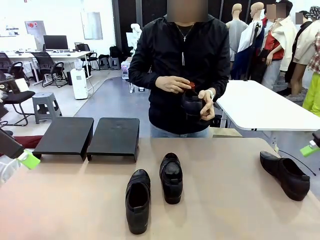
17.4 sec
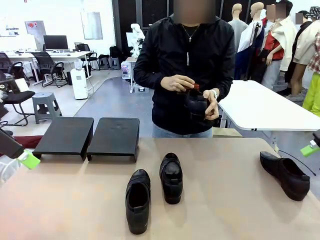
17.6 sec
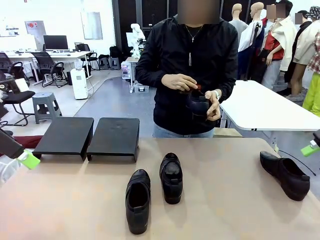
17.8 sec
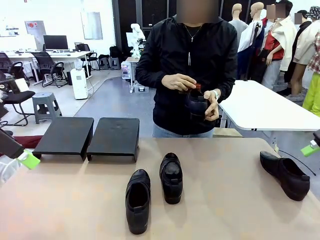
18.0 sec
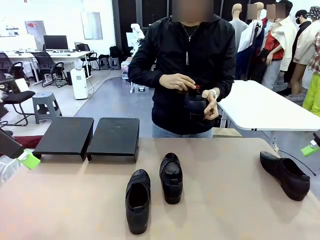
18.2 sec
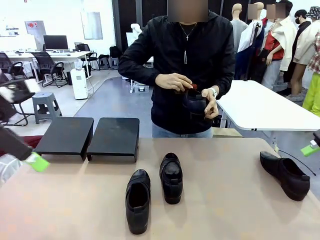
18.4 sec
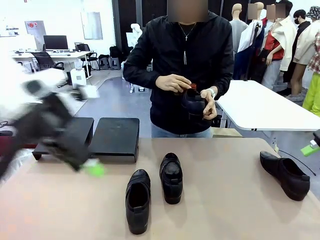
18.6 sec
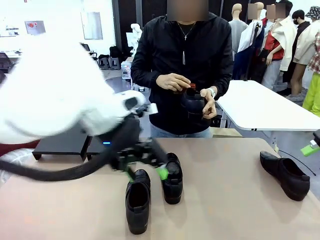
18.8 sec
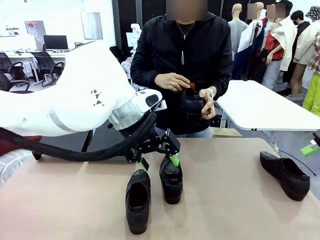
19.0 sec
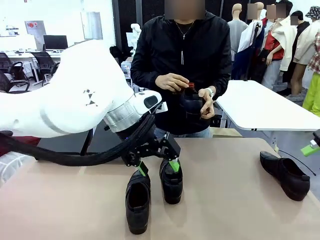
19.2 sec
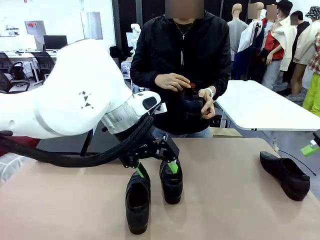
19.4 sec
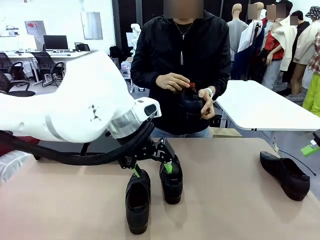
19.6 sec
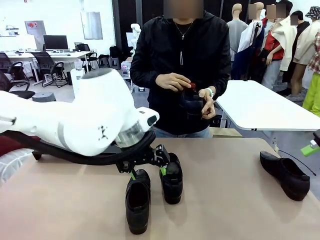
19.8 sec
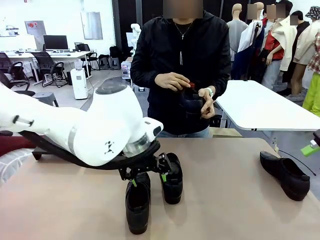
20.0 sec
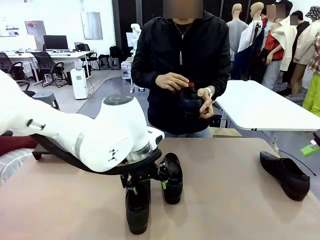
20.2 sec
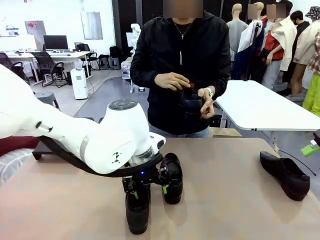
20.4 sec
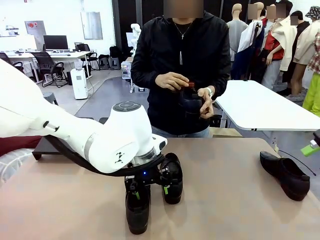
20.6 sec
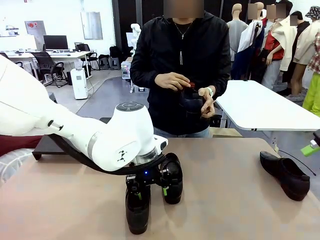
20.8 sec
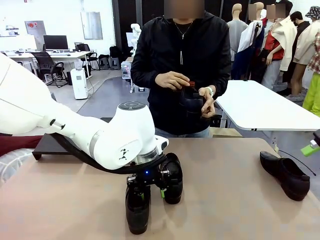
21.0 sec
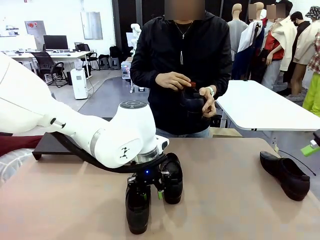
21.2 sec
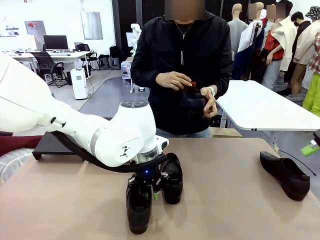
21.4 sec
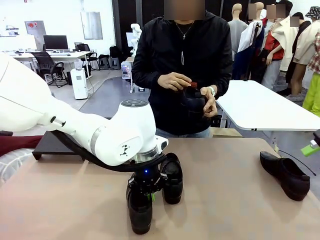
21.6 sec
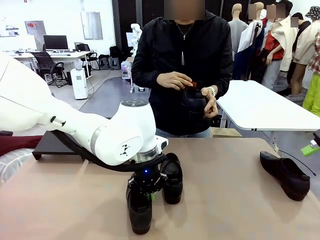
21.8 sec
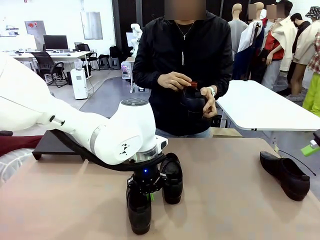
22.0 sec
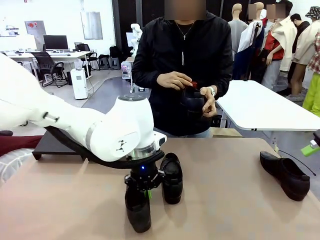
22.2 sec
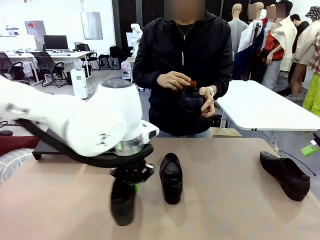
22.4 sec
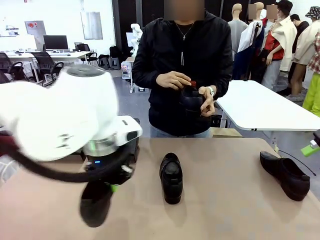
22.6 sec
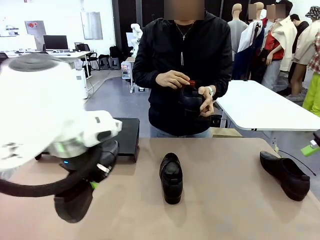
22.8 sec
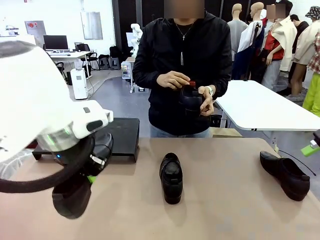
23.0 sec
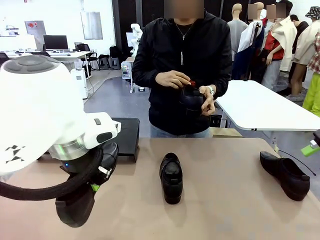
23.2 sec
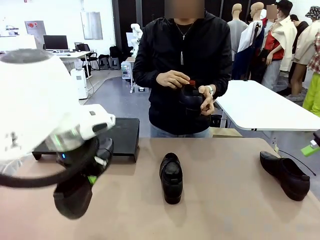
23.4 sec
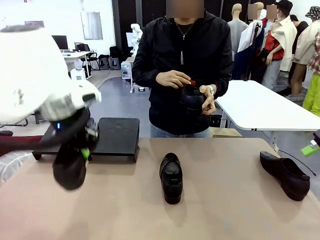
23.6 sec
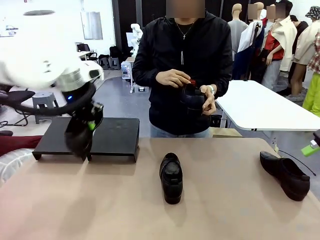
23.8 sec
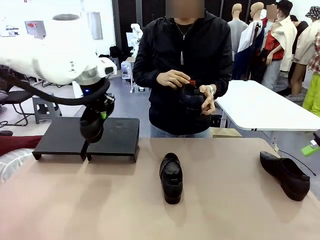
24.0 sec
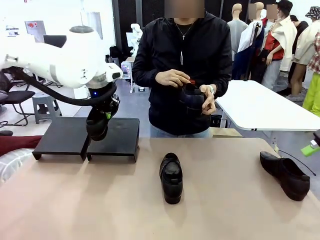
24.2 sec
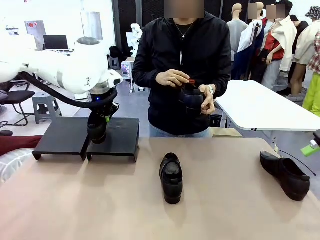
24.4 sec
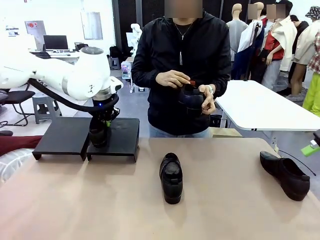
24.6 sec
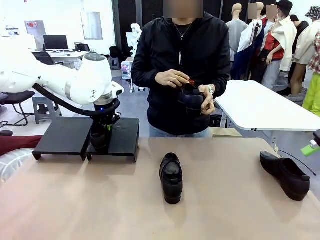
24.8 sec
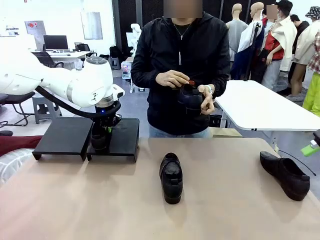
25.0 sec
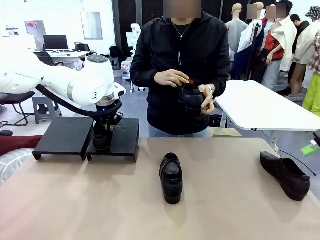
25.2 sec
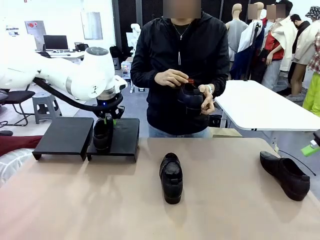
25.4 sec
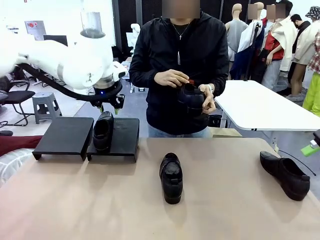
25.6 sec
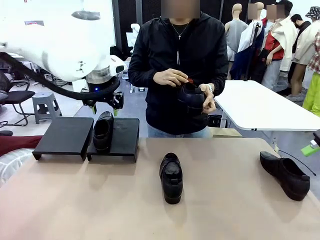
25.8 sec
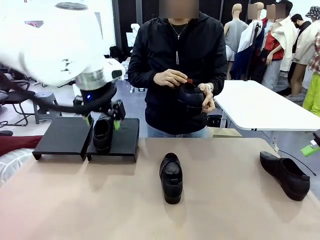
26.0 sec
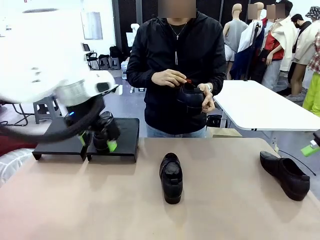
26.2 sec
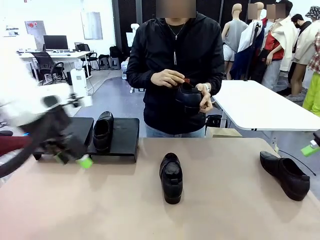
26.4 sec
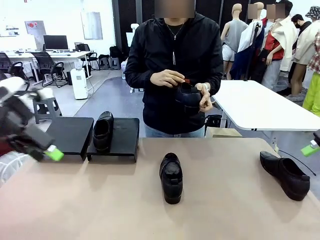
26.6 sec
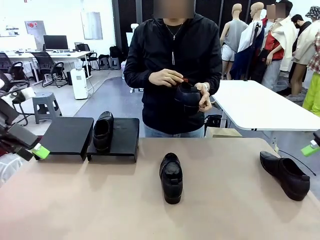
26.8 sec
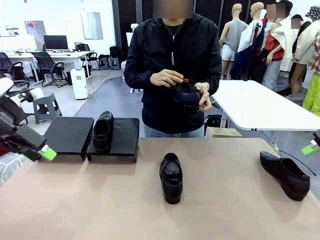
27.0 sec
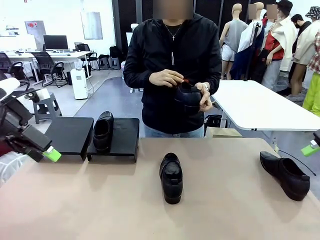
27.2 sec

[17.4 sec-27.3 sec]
Task: Organize the shoes by placing them on the stand.
Robot: Place the Shoe from the middle of the table onto the Shoes Stand.
Person: Clean the Shoe with the Shoe Brush.

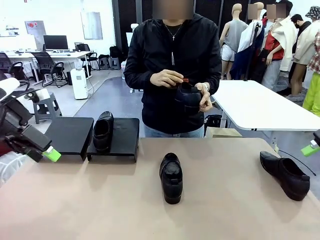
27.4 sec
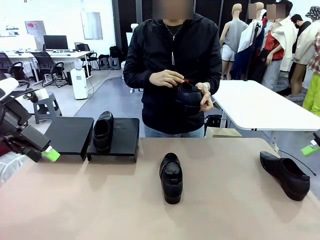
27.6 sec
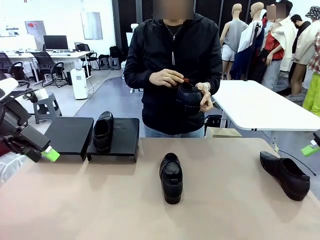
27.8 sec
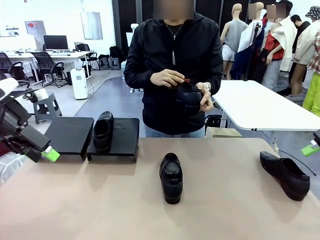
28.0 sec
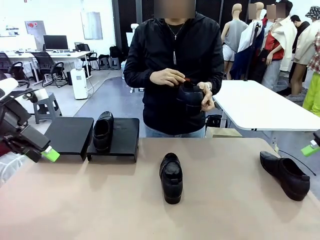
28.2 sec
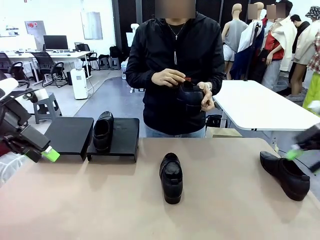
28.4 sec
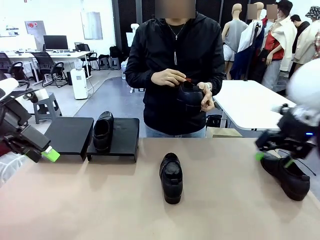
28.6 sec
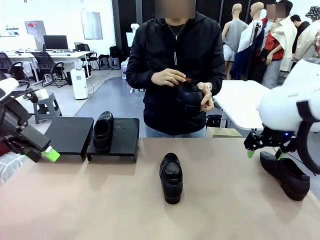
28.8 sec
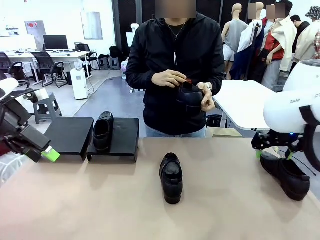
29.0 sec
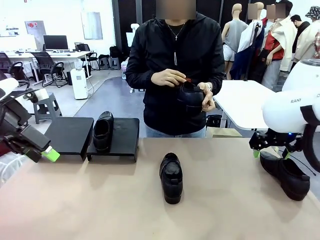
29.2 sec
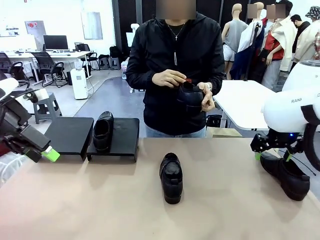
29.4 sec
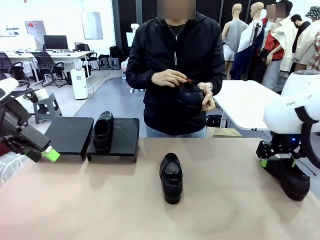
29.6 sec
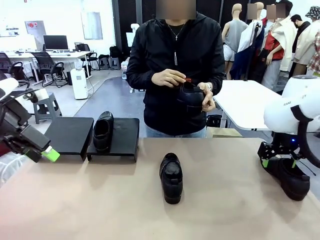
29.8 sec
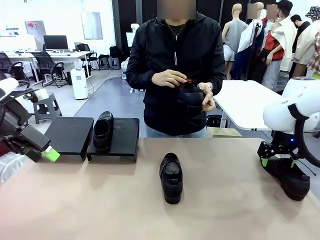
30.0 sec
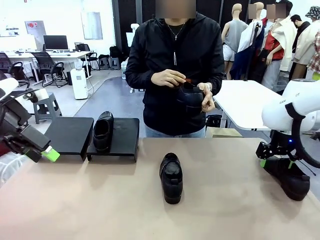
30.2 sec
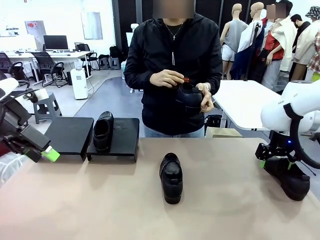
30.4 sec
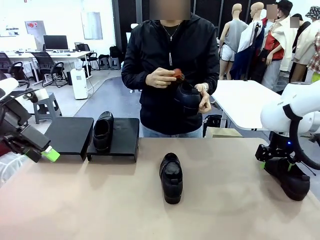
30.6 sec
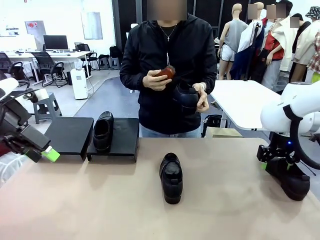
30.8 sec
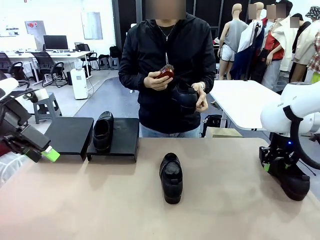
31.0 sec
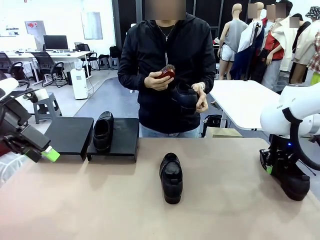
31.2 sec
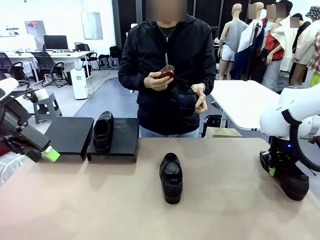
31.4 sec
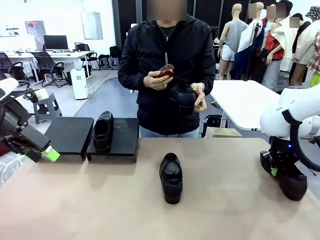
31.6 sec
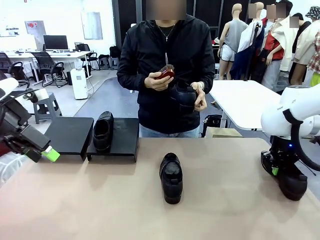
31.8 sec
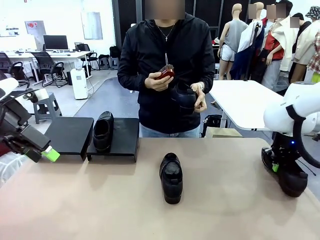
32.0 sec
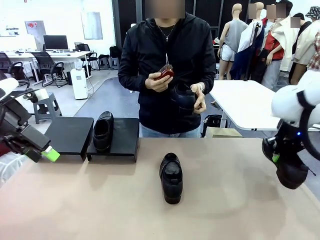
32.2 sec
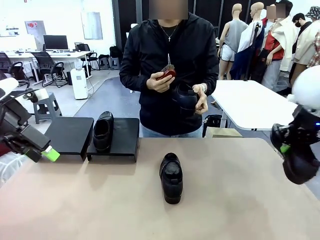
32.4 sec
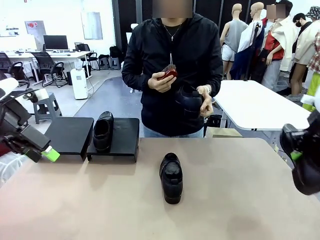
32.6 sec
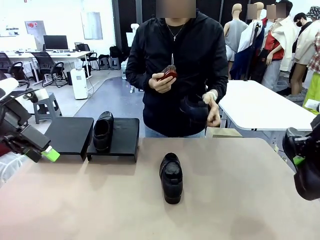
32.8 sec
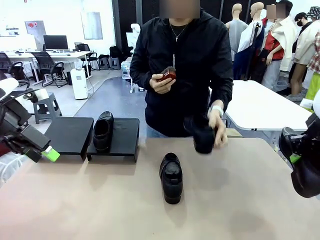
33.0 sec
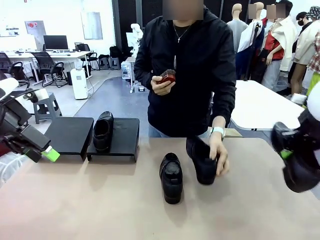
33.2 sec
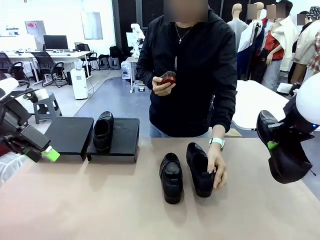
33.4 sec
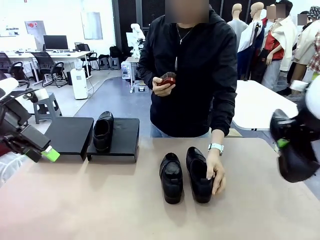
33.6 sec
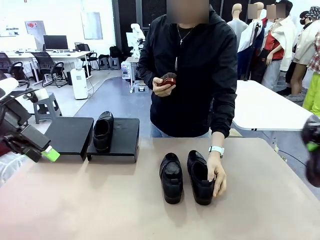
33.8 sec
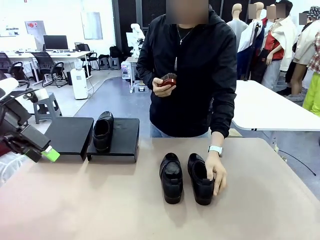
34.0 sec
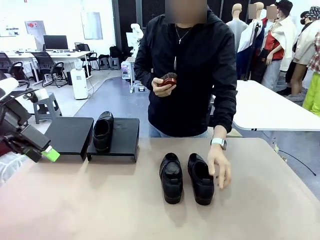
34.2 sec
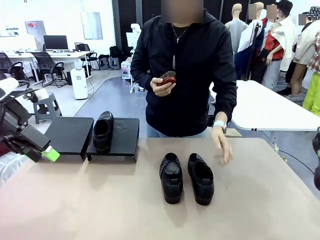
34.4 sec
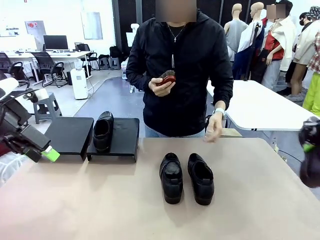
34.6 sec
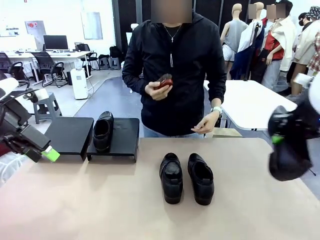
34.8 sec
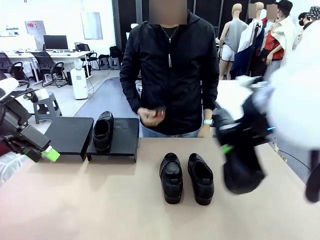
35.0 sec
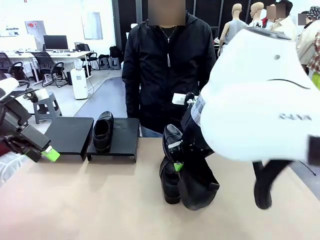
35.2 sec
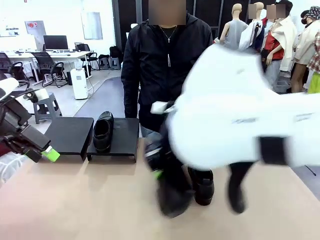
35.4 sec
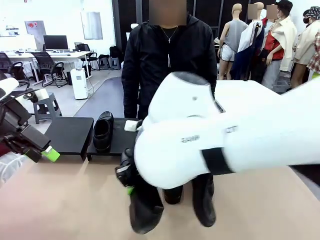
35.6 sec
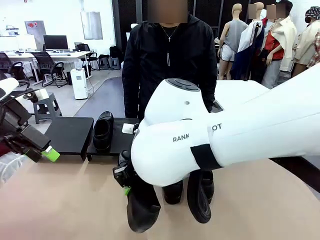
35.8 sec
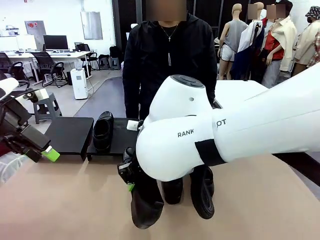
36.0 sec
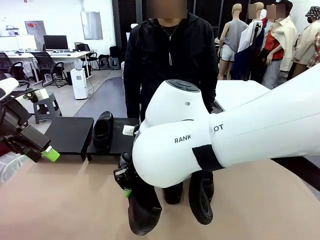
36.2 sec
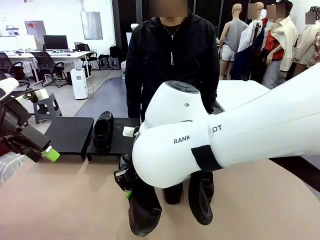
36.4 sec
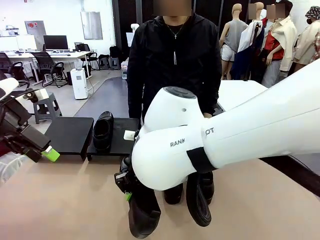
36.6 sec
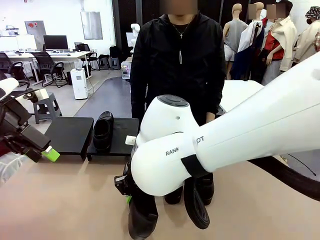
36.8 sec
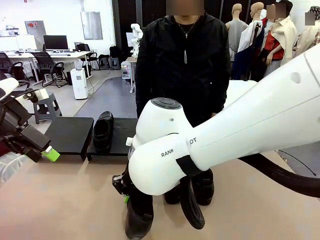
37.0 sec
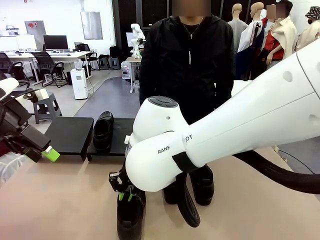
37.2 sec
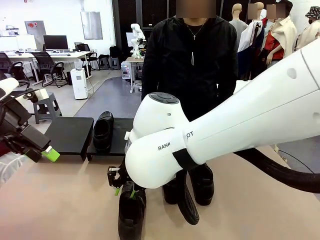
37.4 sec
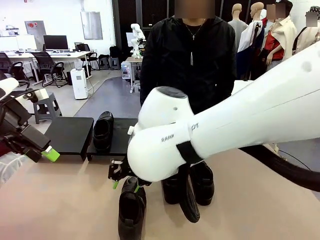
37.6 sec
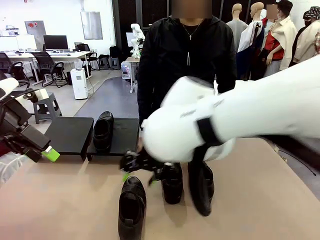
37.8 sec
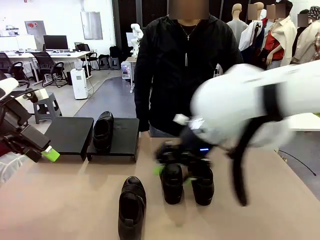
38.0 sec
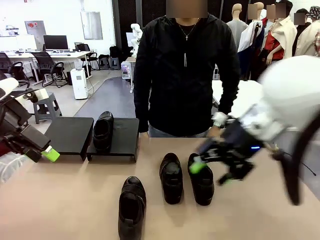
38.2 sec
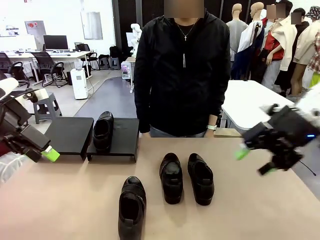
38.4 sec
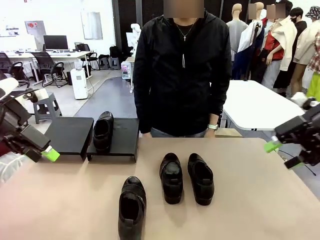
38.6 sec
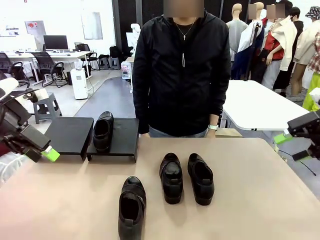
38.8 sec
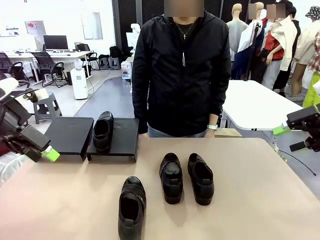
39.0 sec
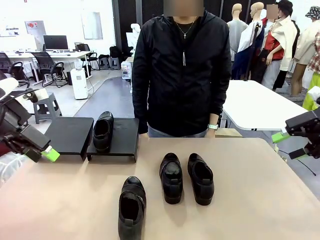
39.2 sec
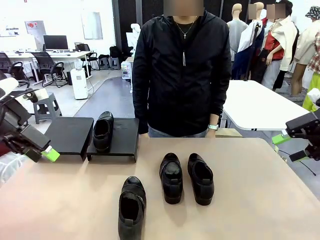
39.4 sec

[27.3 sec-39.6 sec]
Robot: Pick up one Shoe and place it in the middle of the table.
